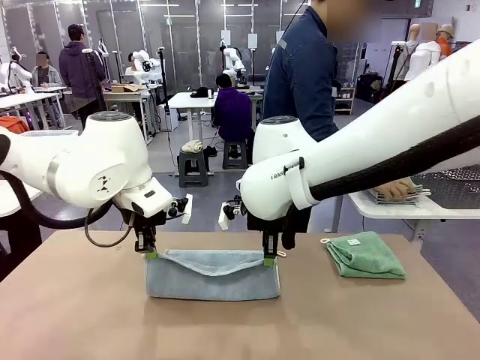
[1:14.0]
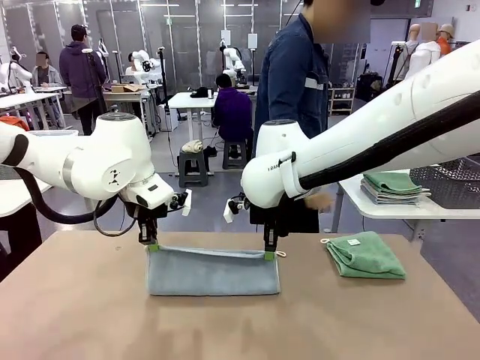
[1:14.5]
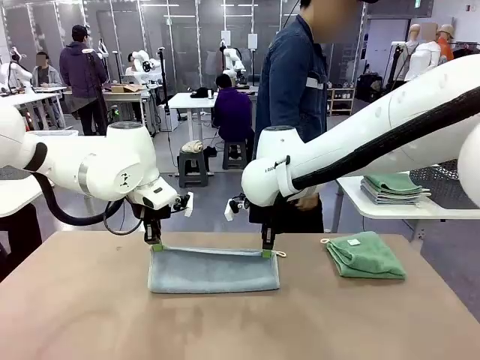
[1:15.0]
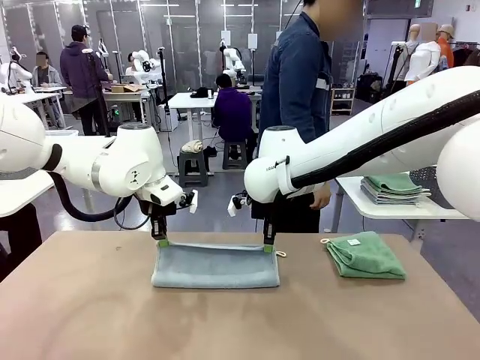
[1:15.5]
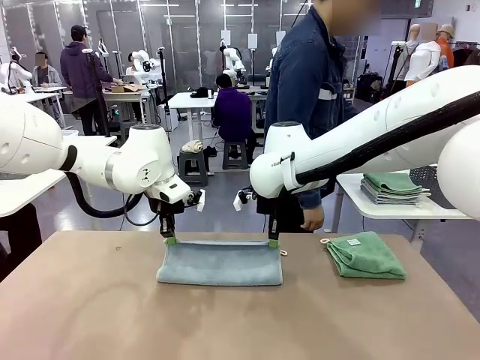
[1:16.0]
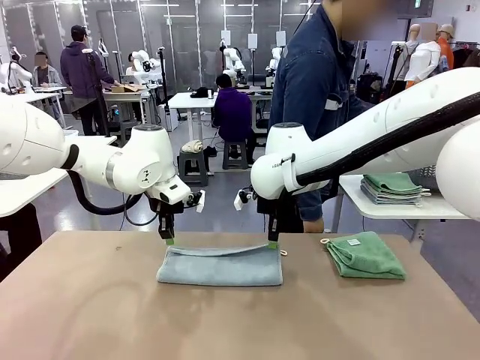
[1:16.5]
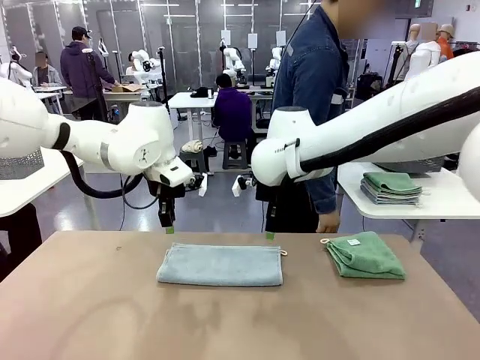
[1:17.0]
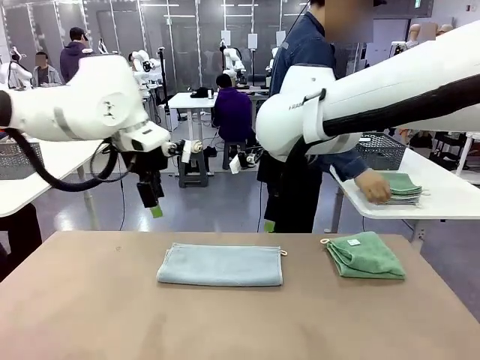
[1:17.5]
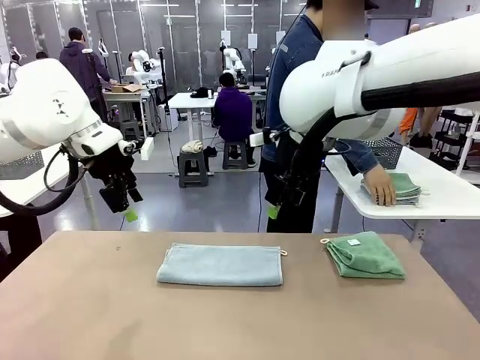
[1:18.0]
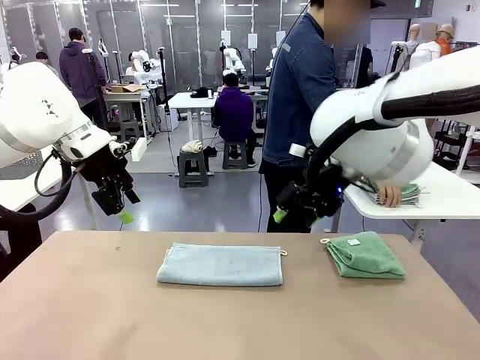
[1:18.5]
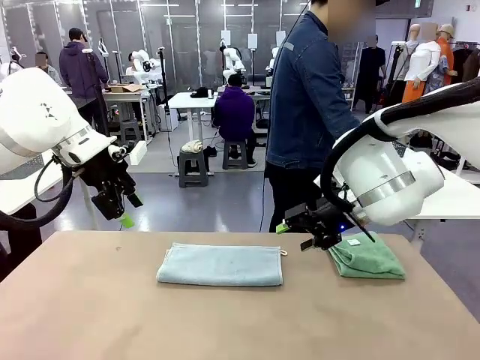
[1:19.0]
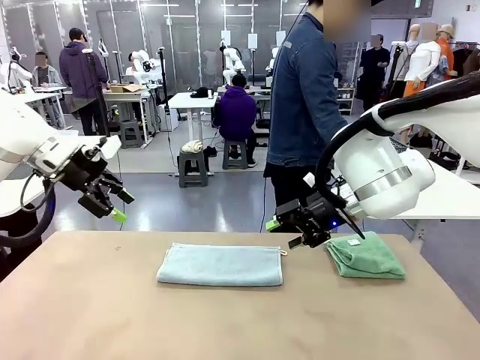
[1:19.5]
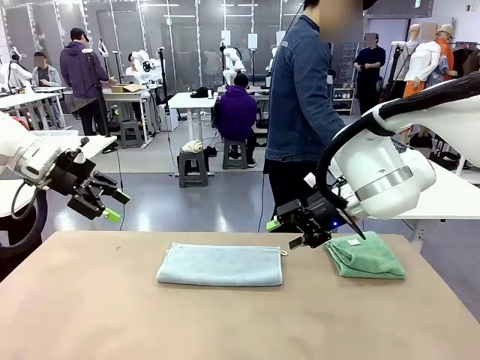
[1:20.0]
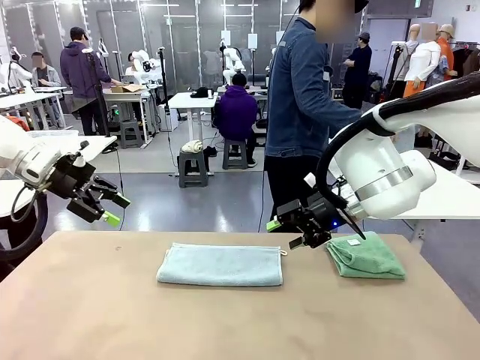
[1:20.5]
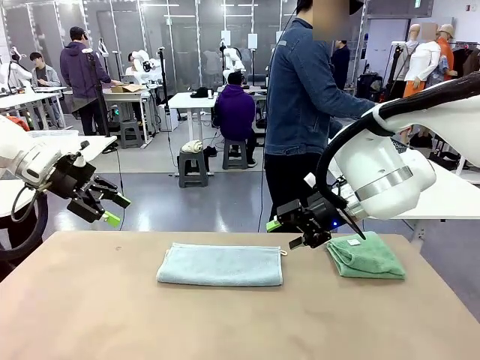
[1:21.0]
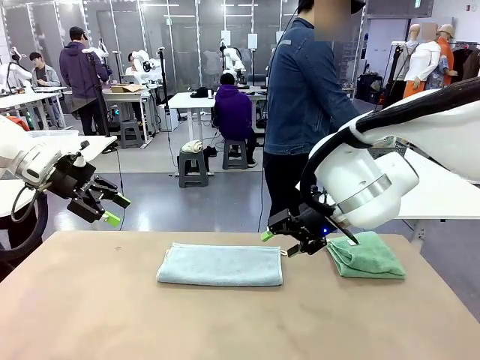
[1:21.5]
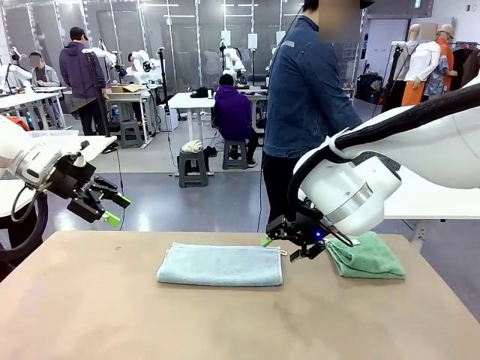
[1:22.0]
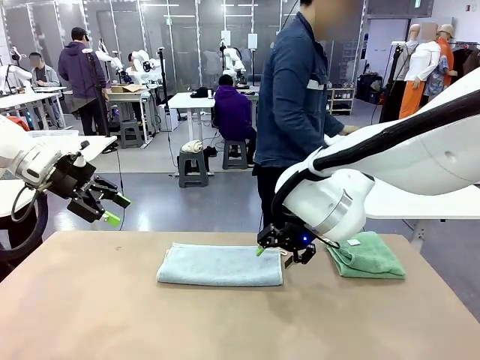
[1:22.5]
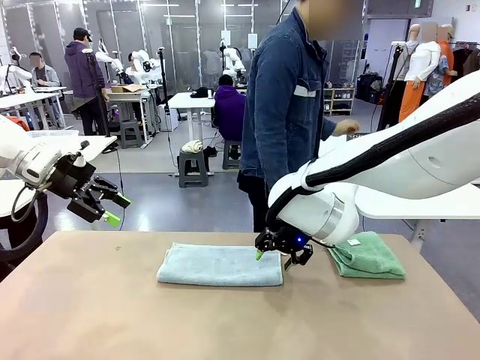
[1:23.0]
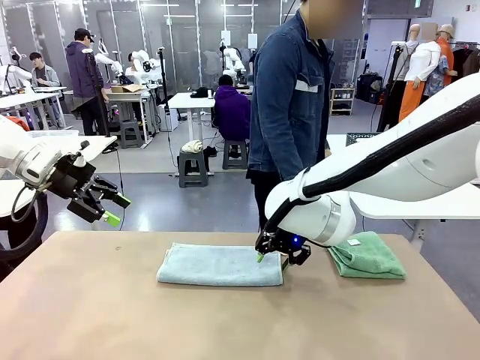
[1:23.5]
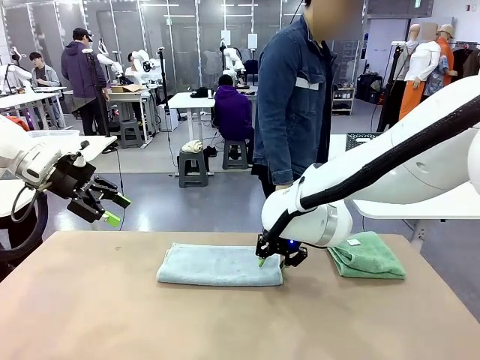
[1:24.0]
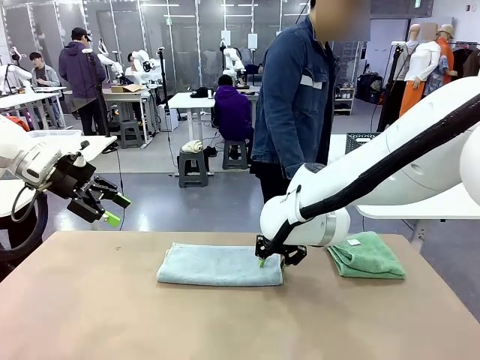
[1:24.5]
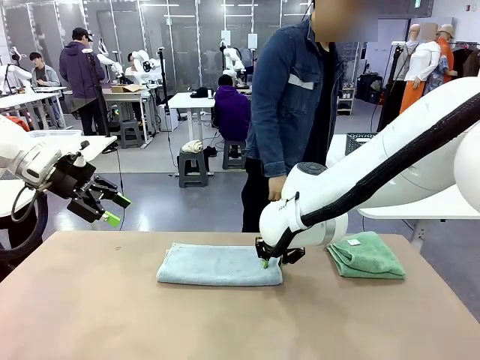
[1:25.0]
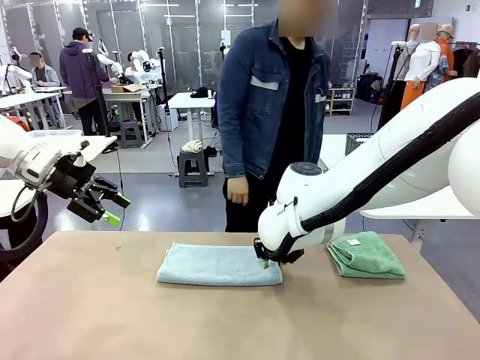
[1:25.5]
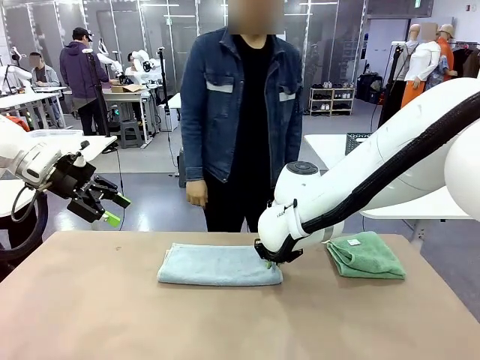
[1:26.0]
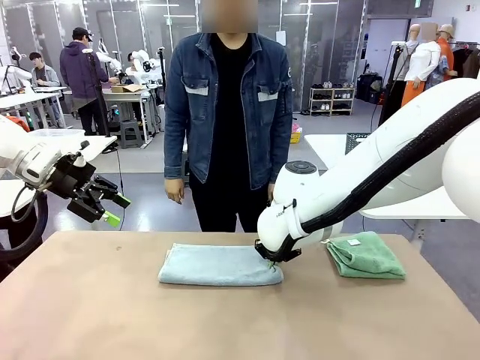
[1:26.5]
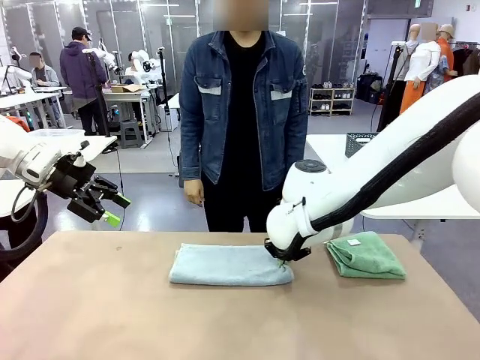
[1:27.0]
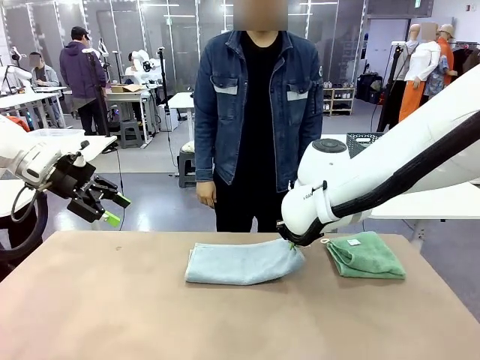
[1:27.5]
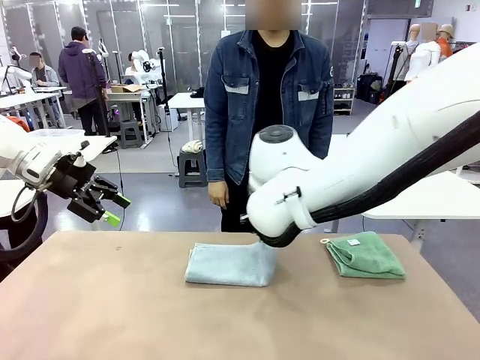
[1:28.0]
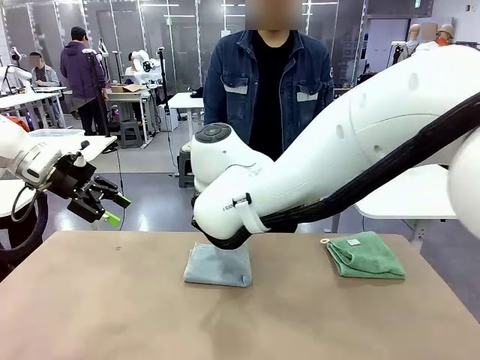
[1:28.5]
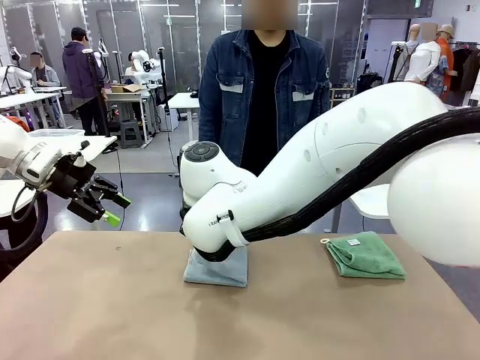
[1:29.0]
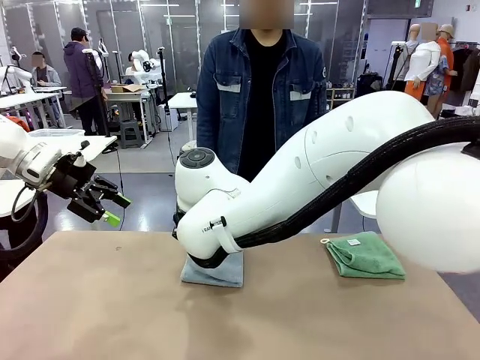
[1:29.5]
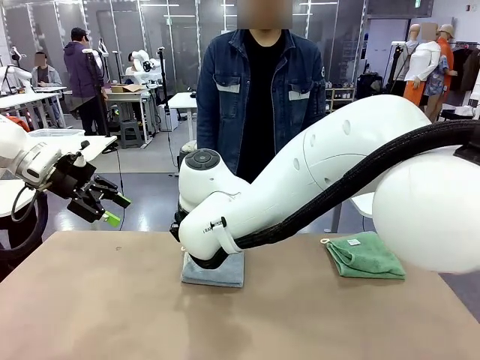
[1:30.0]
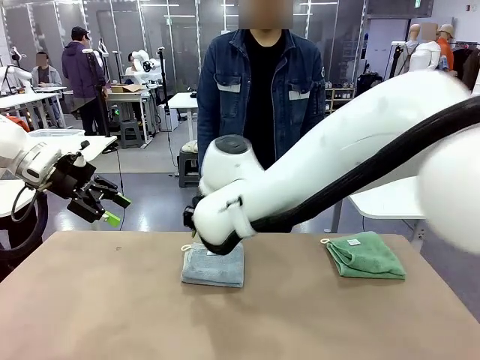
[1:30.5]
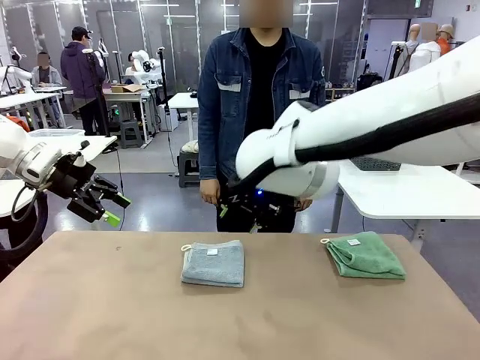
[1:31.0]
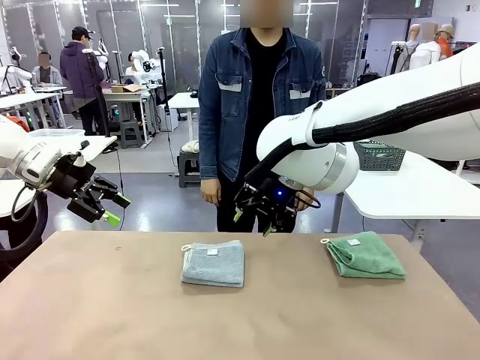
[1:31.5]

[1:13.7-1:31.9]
Task: Fold the towels and place them in the basket.
Robot: When a person lays out a Towel with hook on the table, fold it in half twice.
Person: Pick up the stack of towels from the right side of the human table, place it into the basket, and put the basket at the center of the table.

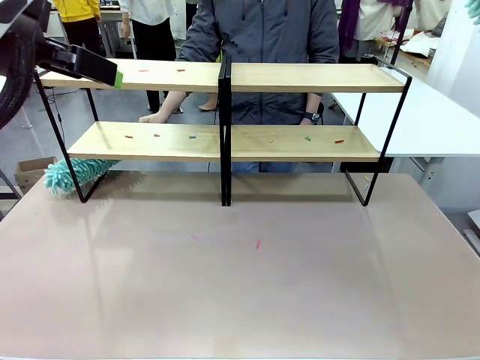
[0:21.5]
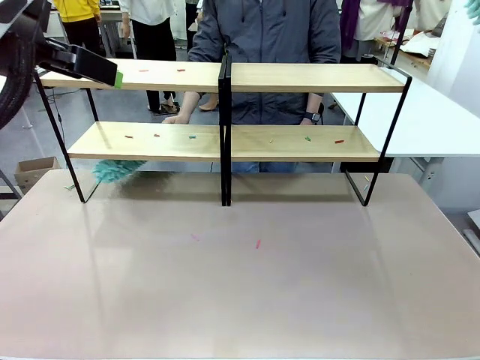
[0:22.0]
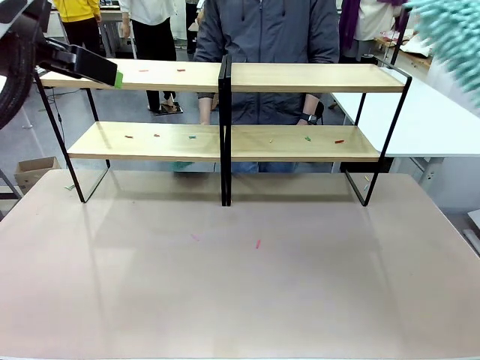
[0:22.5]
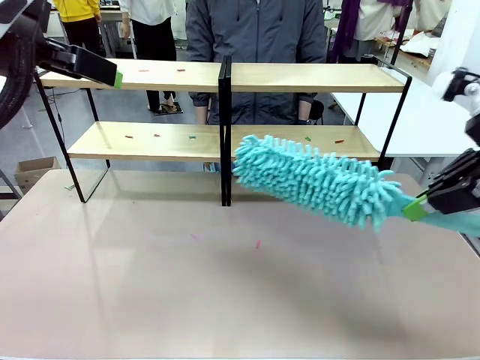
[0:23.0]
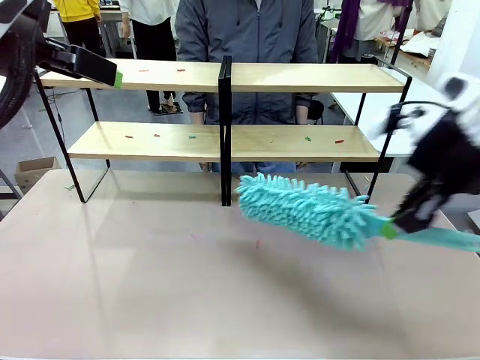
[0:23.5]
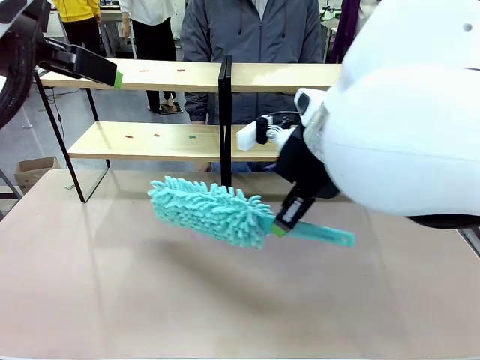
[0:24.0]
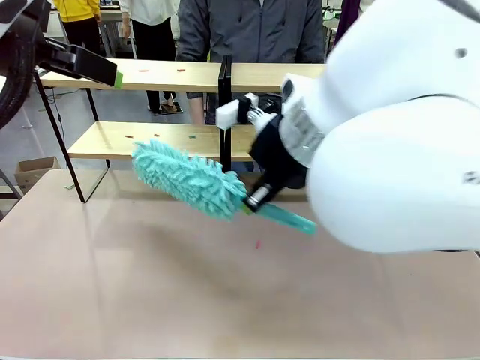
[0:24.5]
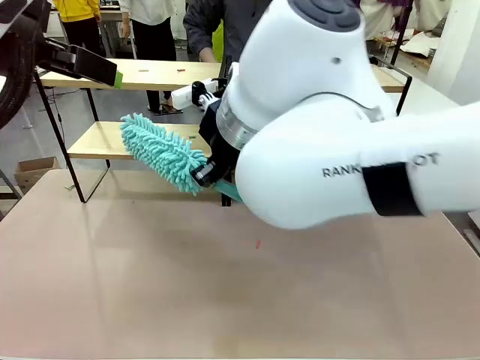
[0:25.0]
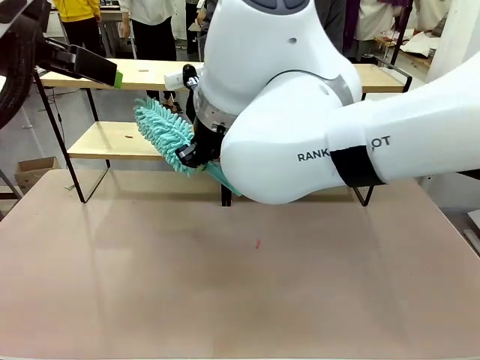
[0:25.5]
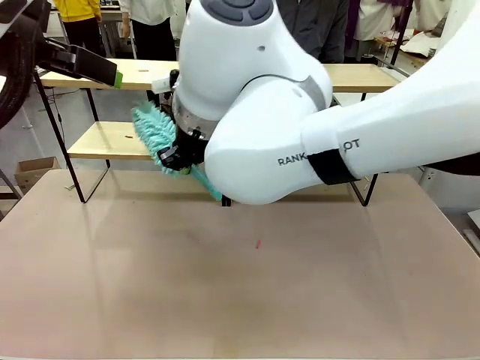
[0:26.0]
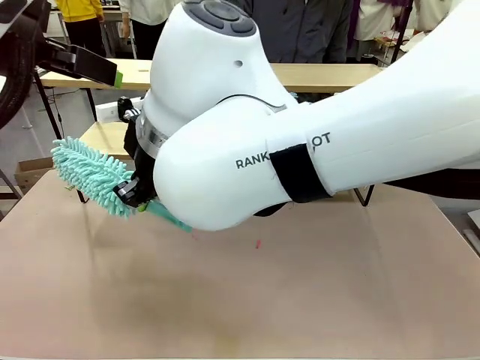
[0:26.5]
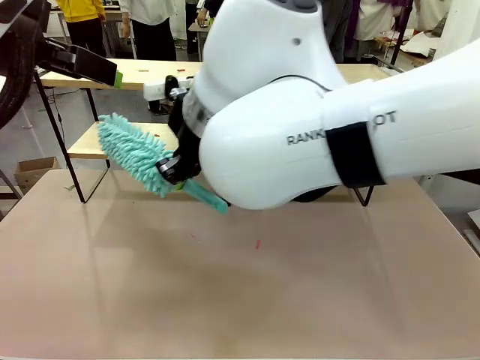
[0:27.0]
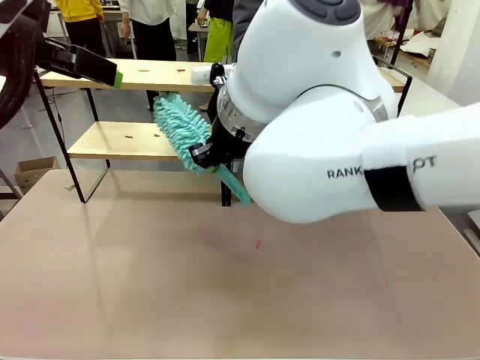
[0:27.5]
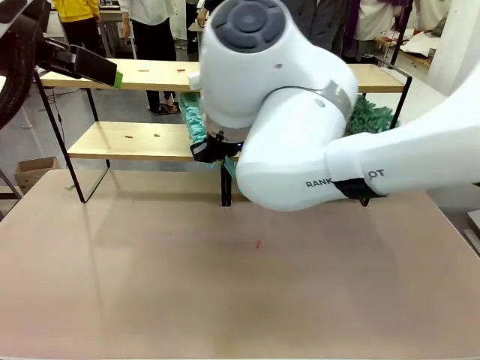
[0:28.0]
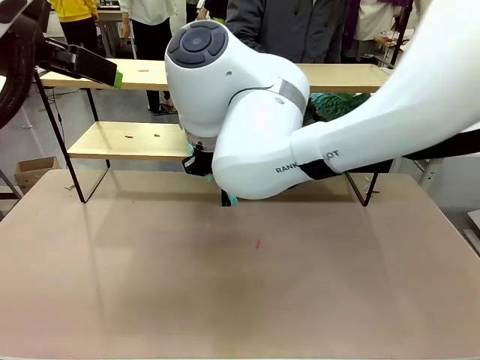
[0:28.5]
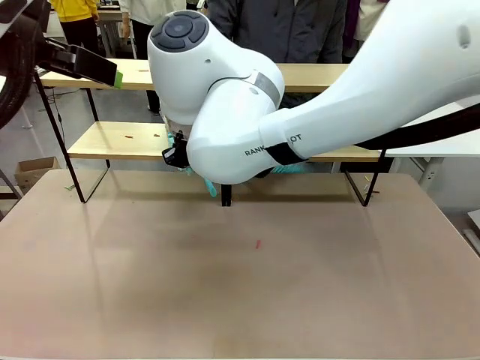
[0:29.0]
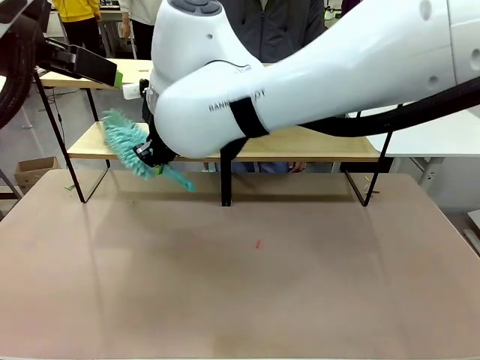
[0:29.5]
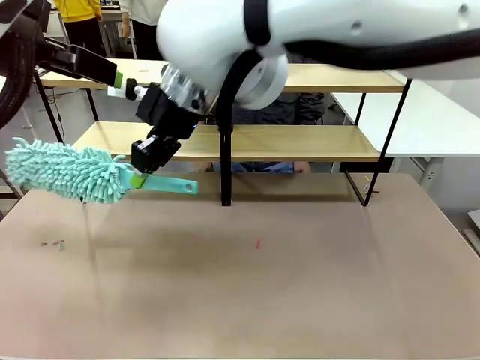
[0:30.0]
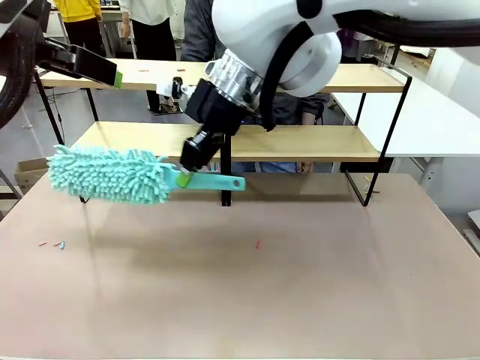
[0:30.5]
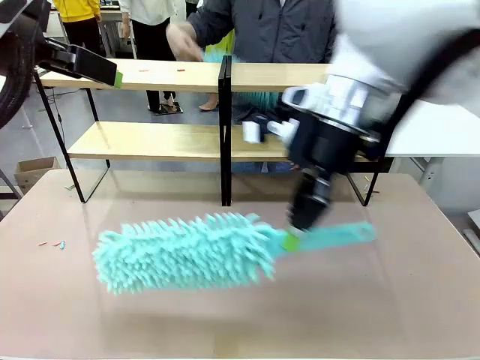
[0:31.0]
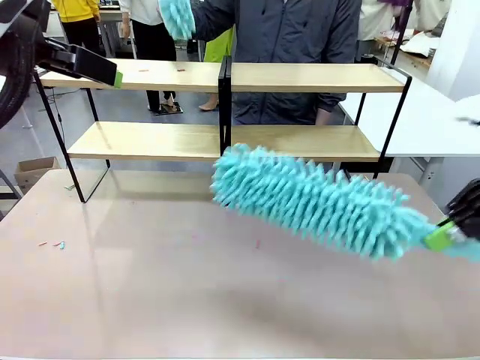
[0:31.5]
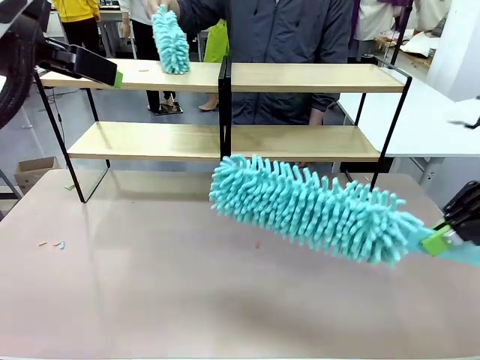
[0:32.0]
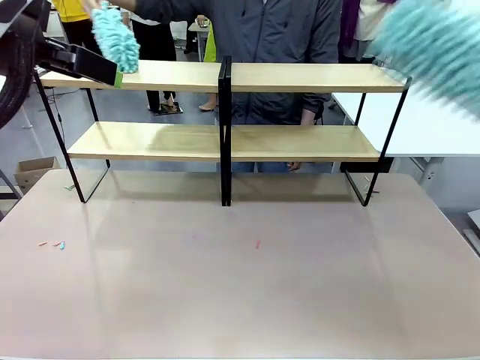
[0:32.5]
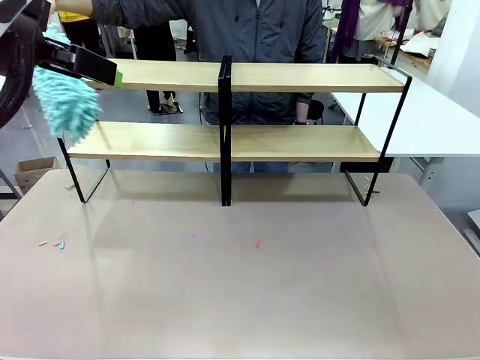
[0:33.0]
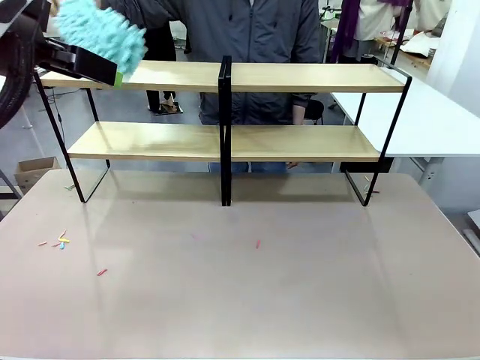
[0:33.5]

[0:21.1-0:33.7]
Task: Clean the shelves.
Robot: Clean another randomly selected level of the Shelf with the Duster.
